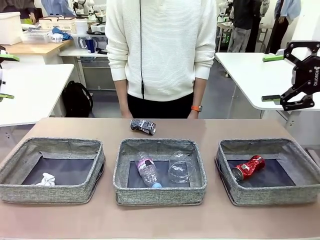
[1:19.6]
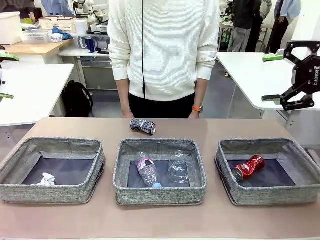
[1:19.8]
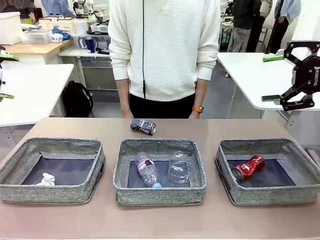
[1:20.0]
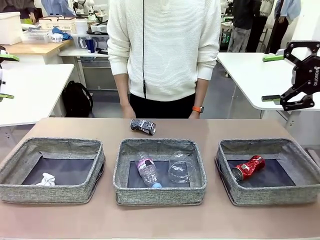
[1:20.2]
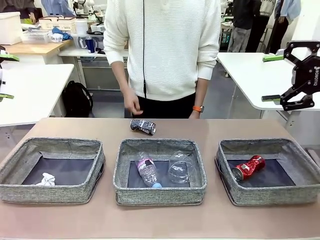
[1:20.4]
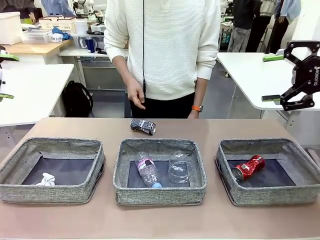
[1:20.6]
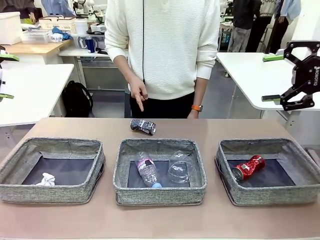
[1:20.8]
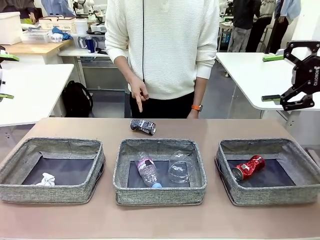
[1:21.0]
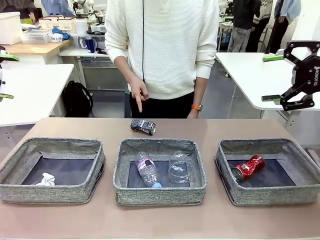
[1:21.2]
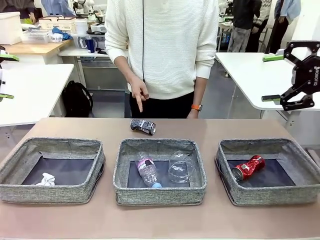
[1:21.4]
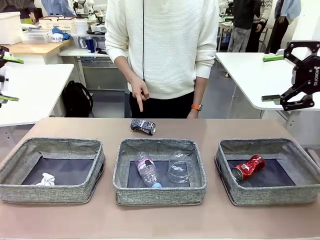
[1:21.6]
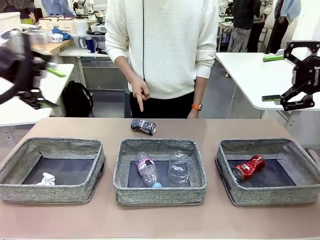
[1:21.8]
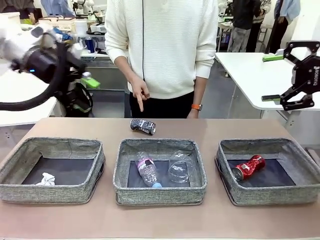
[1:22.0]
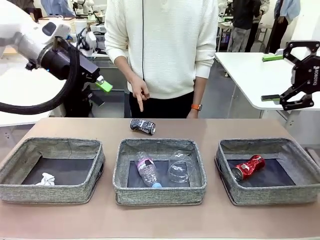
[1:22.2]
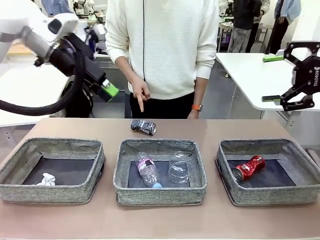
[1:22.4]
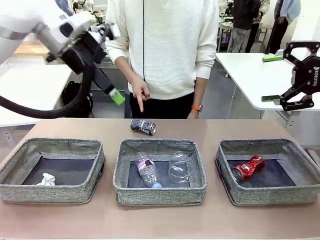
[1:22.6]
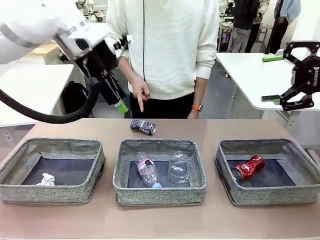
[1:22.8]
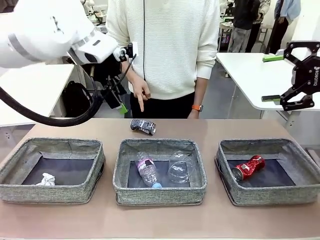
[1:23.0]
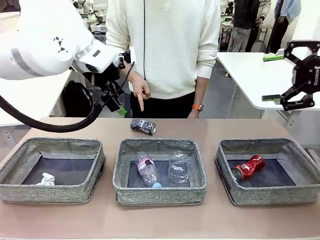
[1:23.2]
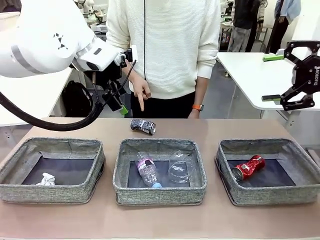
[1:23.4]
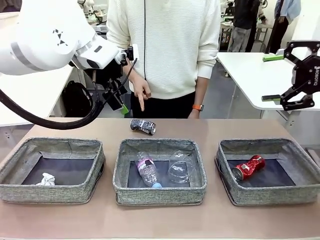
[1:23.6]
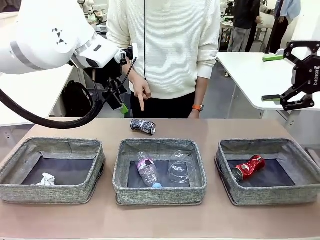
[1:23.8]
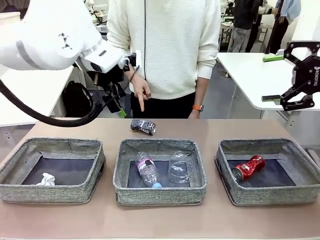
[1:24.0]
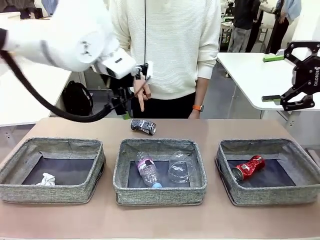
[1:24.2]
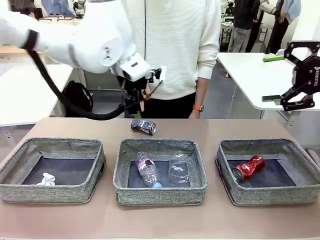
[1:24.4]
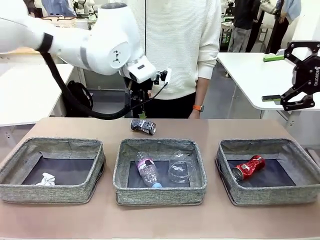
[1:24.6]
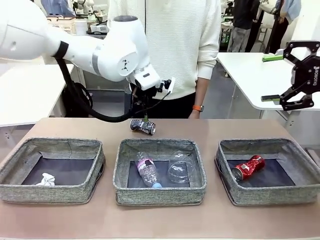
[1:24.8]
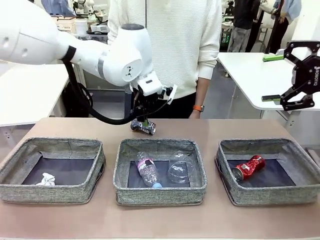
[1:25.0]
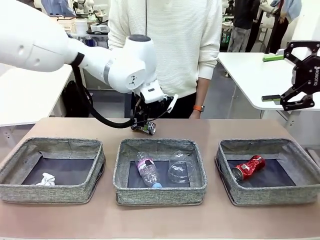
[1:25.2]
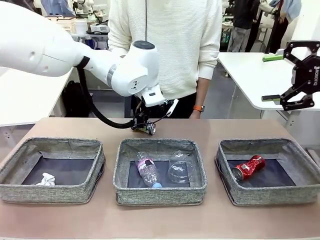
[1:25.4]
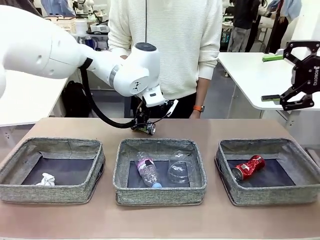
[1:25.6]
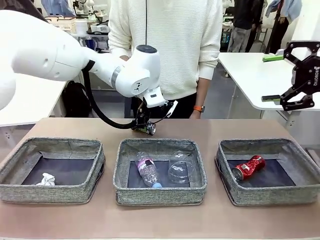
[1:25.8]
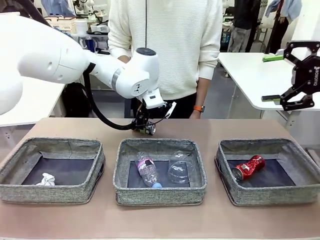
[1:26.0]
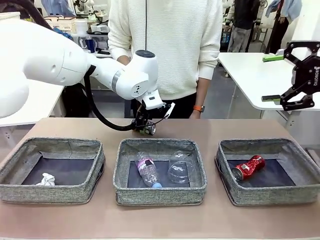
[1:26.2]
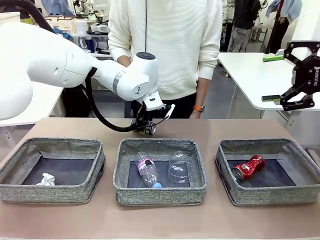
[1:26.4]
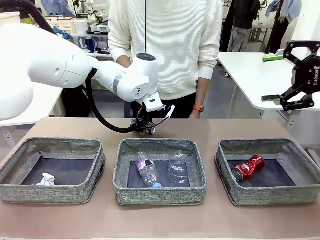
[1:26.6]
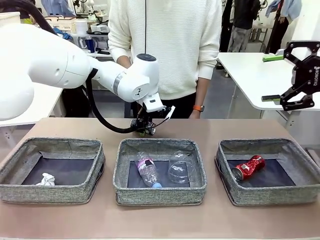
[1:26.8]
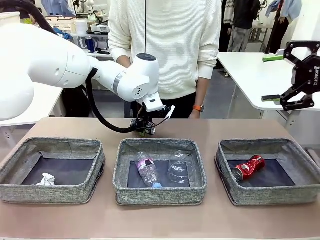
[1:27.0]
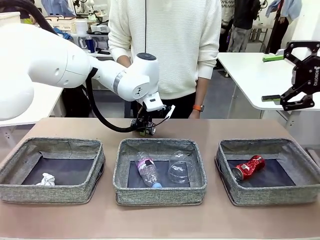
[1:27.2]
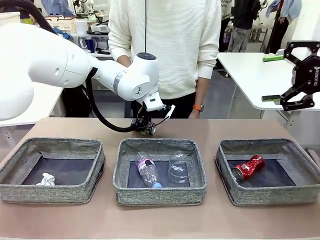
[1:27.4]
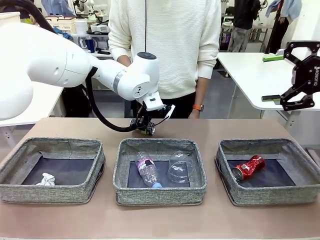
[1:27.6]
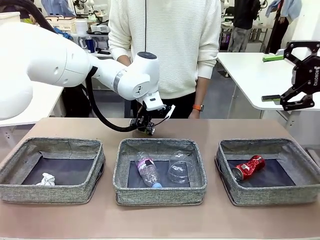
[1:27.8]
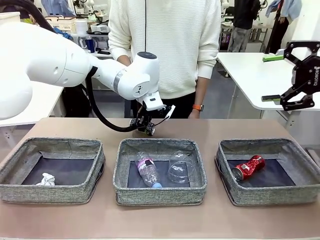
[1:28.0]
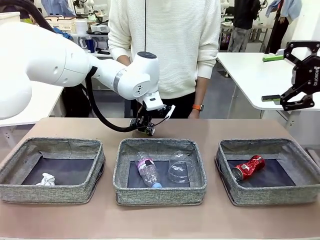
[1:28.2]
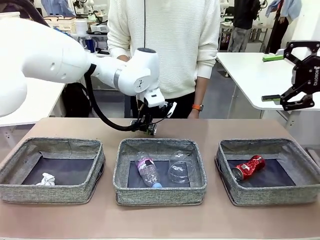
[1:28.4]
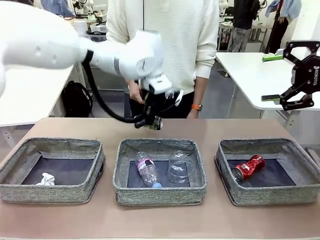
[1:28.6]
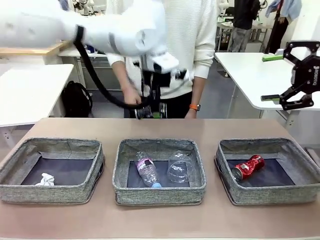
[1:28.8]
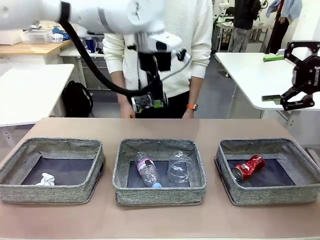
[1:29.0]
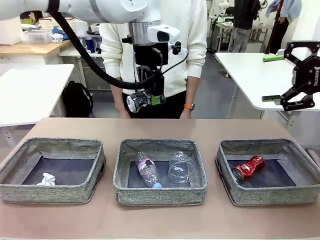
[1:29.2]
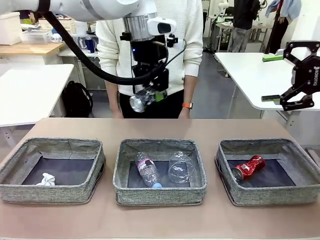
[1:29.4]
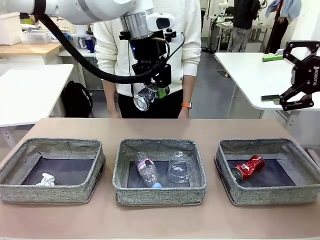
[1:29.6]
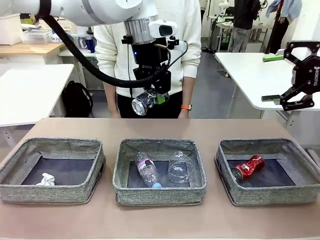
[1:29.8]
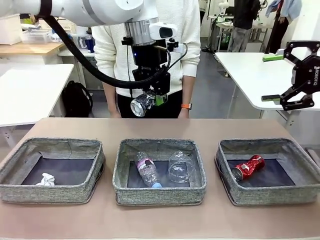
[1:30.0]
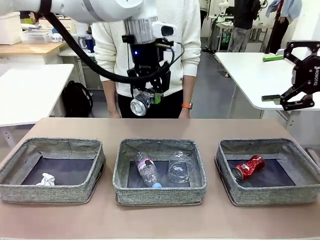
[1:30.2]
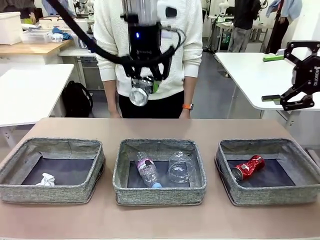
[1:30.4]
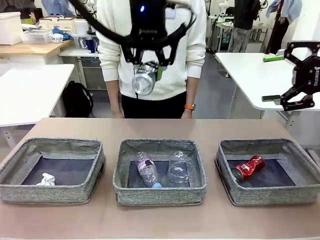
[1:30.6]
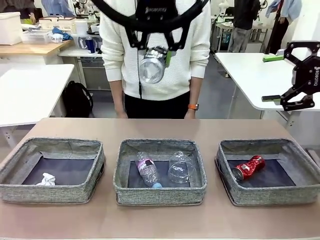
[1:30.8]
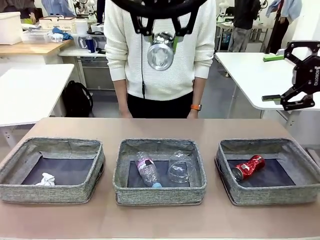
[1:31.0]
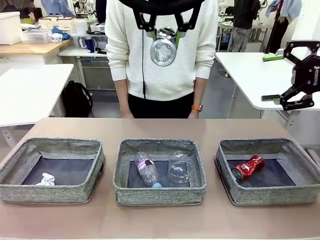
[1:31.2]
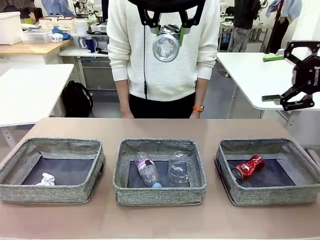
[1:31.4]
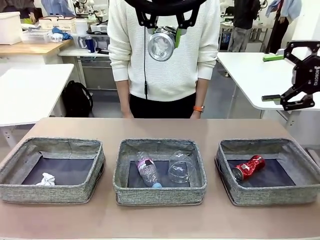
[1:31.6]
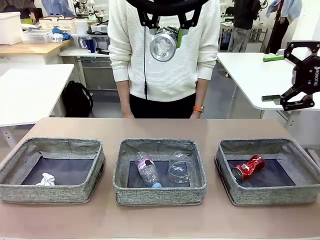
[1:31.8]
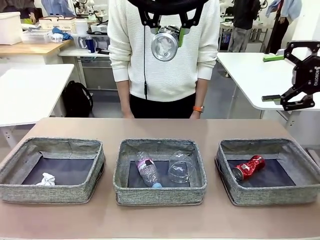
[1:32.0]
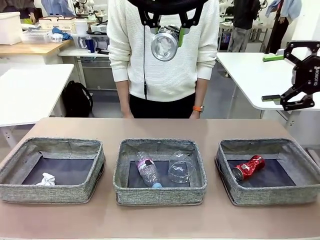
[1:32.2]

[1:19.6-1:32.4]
Task: Sort the waste into the appropriate baskets.
Robot: Pick up the waste item pointed out by the person.
Person: Points to one piece of trash on the table.

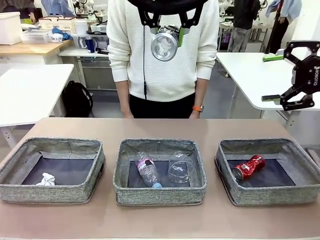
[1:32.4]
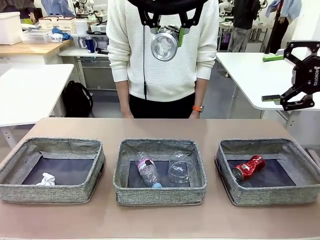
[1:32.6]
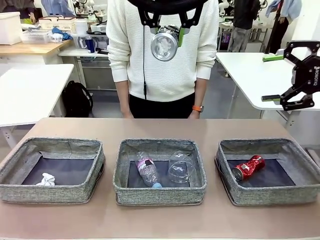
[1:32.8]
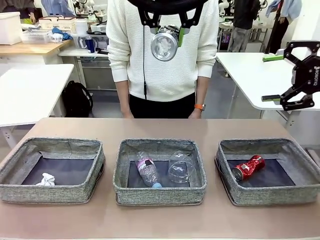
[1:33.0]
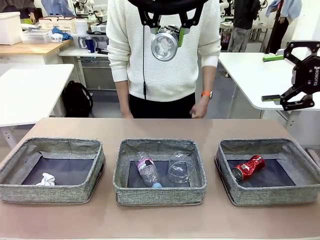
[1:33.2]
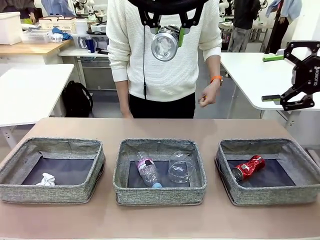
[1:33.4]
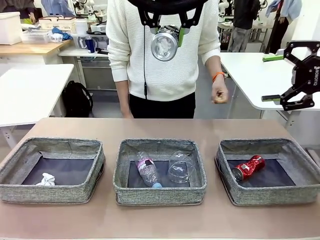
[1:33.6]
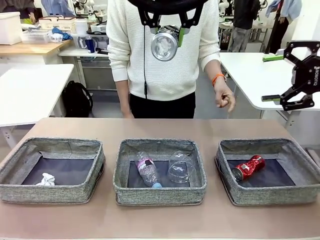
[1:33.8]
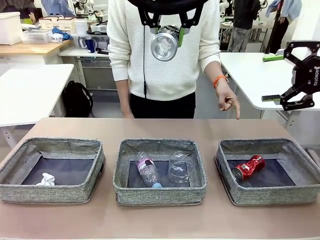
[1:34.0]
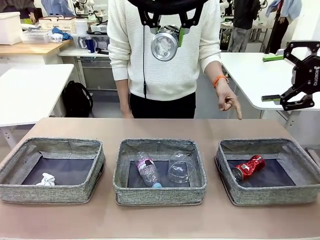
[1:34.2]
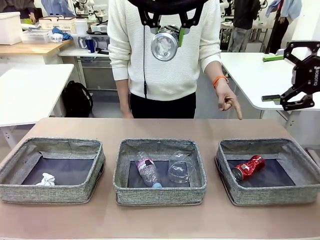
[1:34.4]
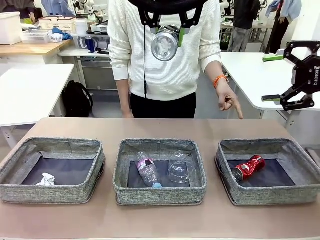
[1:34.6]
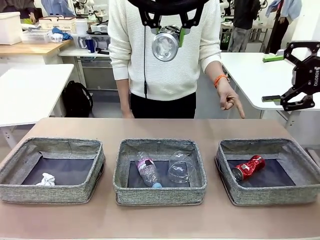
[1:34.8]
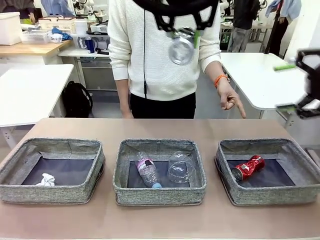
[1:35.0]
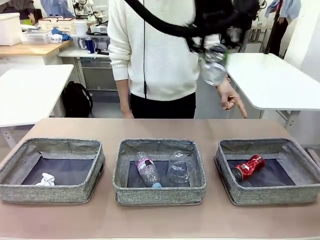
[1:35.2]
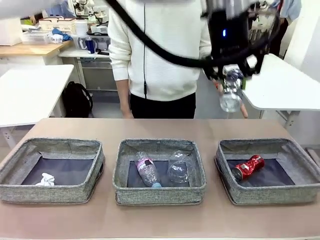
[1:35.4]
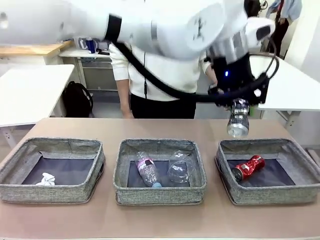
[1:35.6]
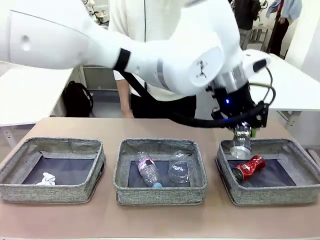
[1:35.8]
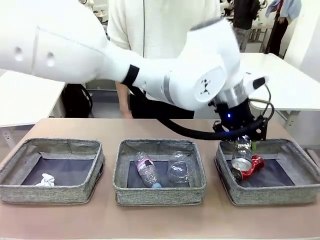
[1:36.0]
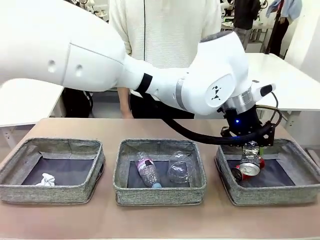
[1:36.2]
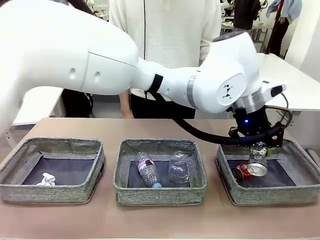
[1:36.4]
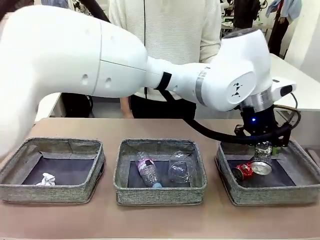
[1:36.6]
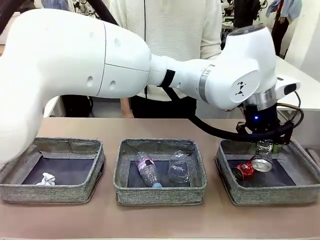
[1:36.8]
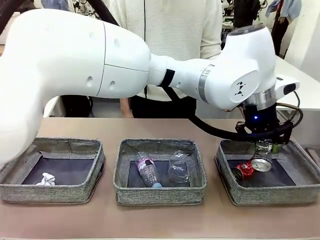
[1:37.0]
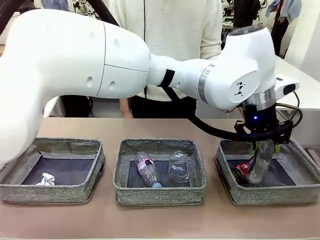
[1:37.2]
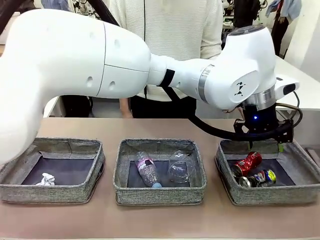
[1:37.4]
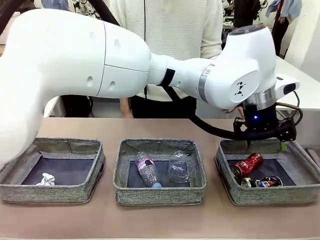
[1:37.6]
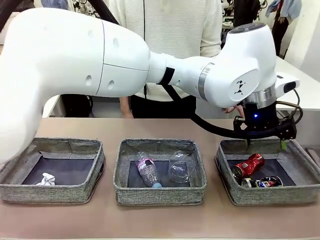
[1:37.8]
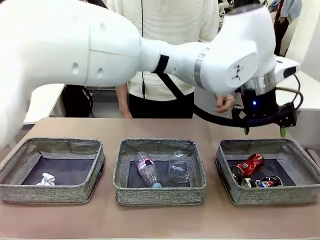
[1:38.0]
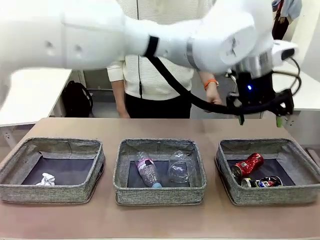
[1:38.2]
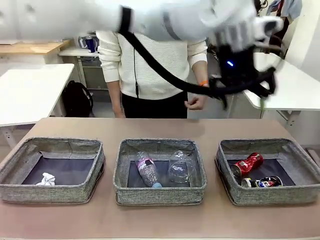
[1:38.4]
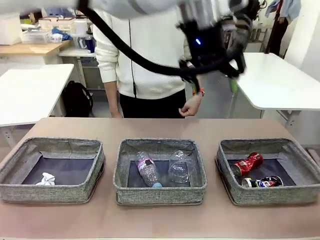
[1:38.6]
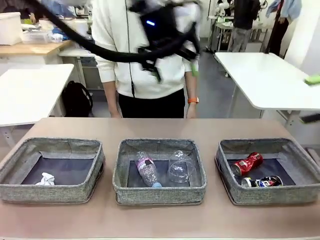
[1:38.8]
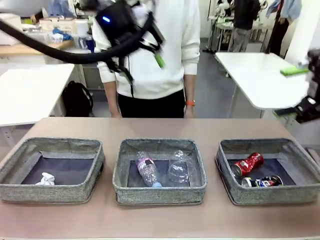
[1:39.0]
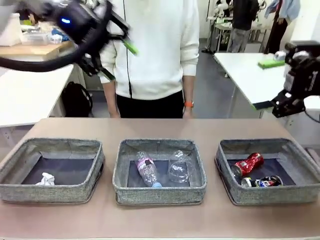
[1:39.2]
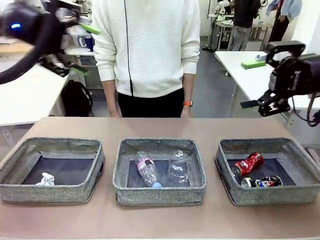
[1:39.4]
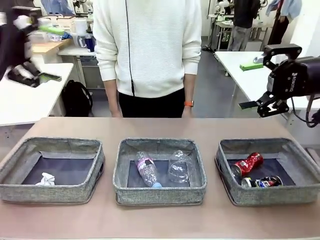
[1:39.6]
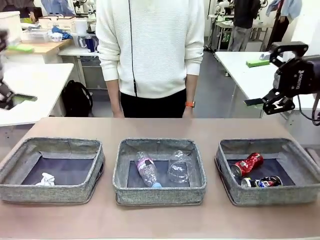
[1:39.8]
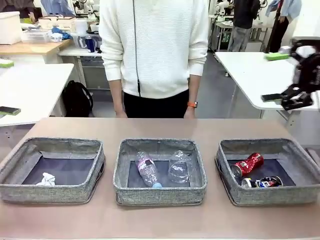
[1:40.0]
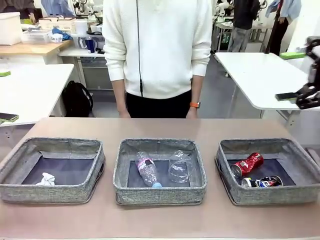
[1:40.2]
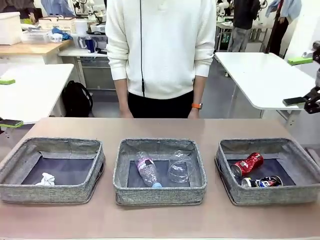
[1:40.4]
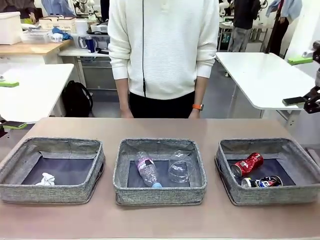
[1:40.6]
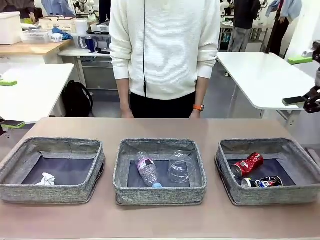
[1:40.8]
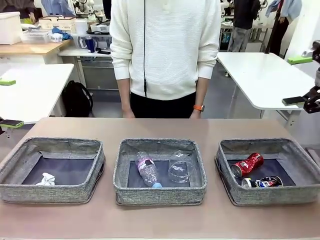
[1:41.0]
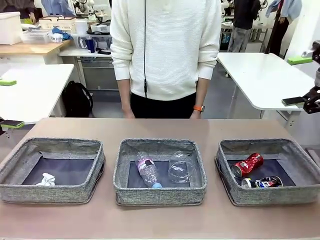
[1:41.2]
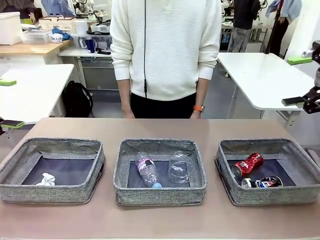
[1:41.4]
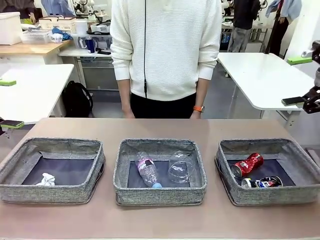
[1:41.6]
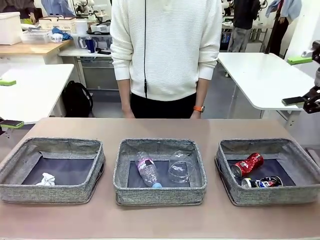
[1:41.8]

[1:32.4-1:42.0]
Robot: Place the picked waste into the Fabric basket indicated by the person.
Person: Instructs the robot to place the picked-up trash into the appropriate organizing basket.
